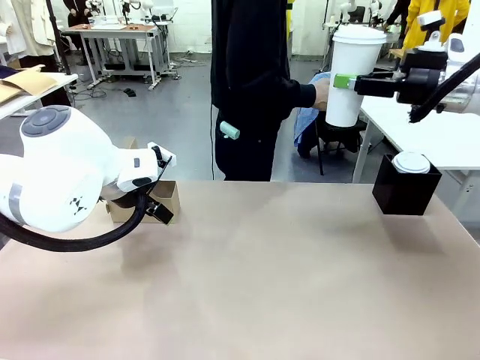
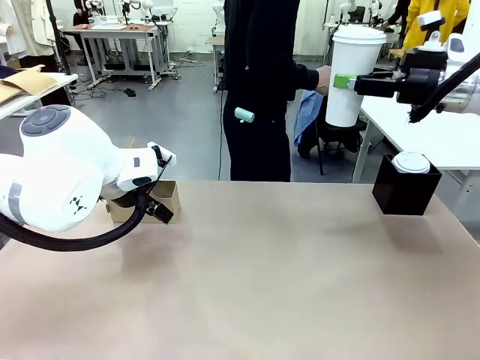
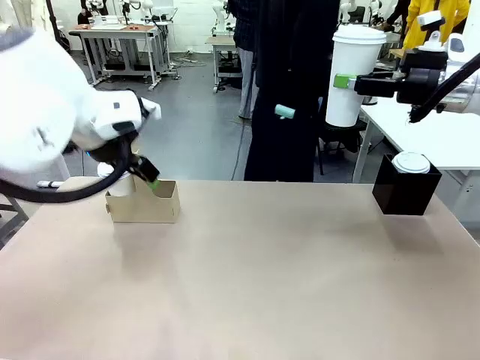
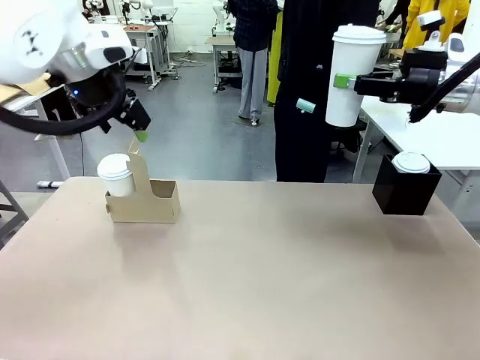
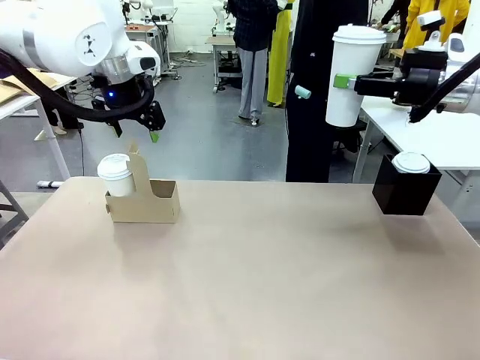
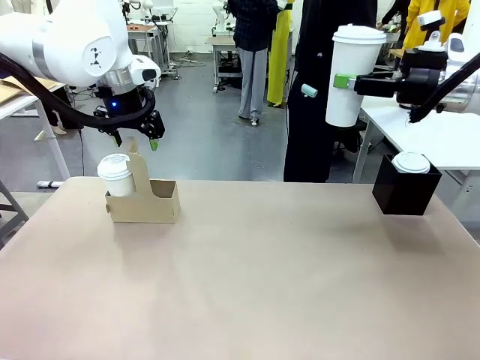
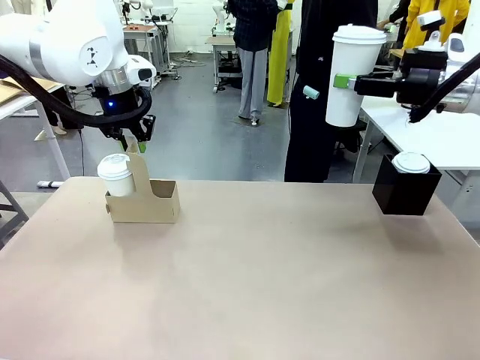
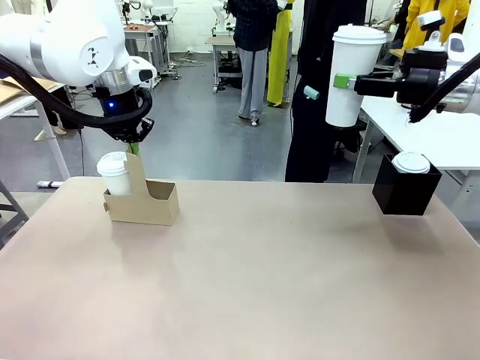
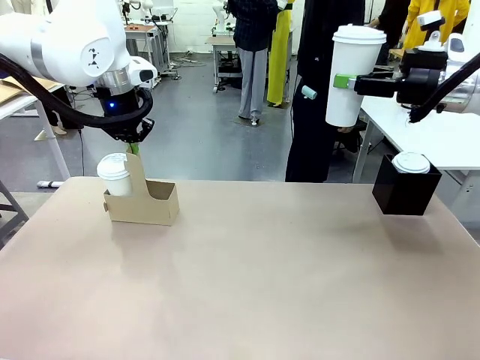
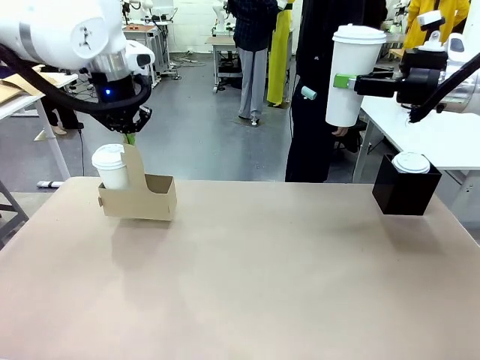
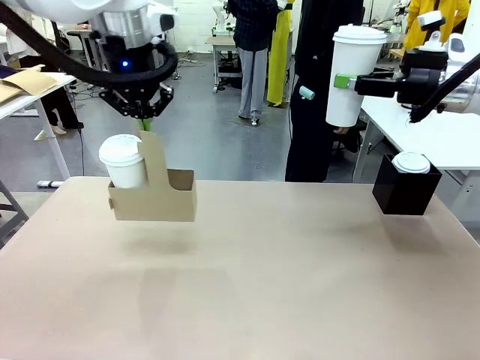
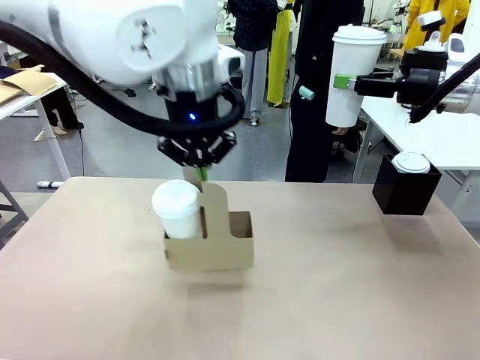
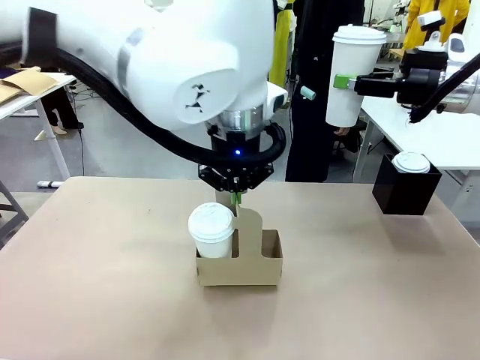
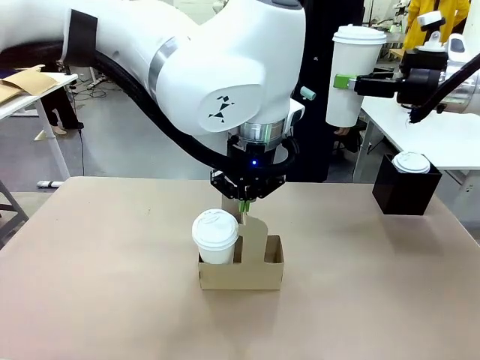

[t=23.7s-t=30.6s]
Task: Pour a drink into a cup and package it in a carrier.
Robot: Position the Cup Carrier in the center of the table.
Person: Pick up the Filter Brewing and place on the middle of Human table, and return to the Robot table.

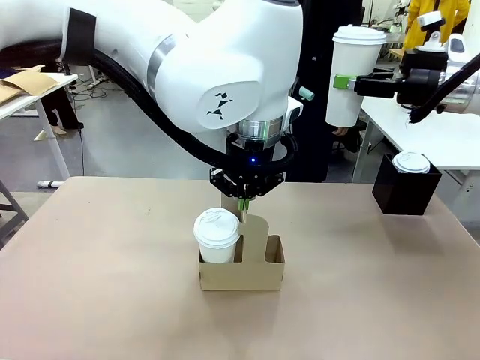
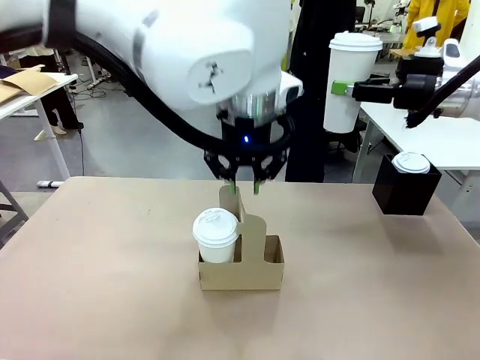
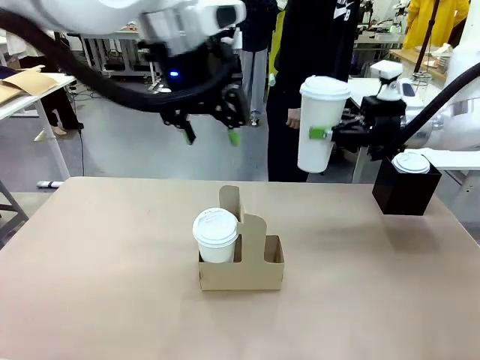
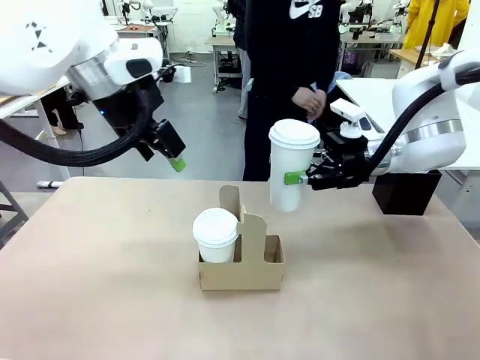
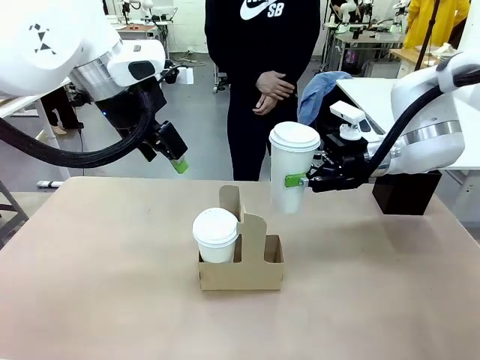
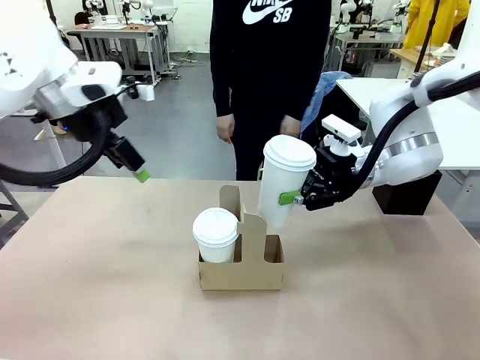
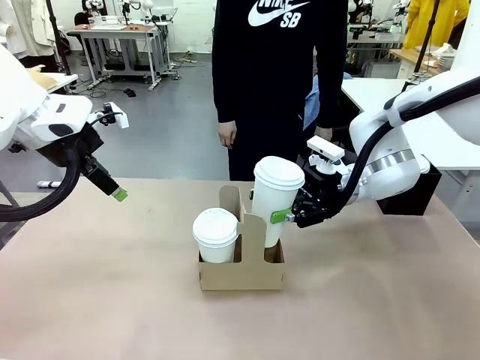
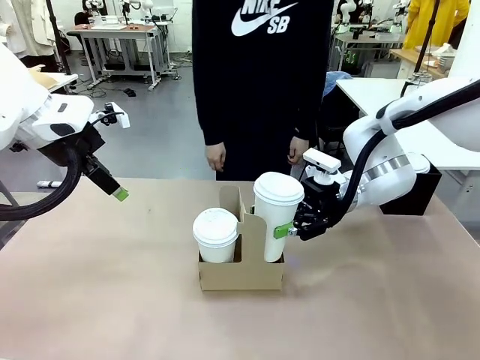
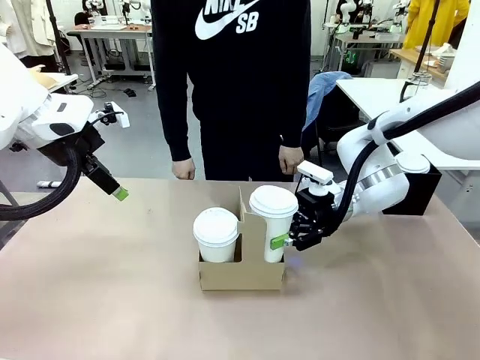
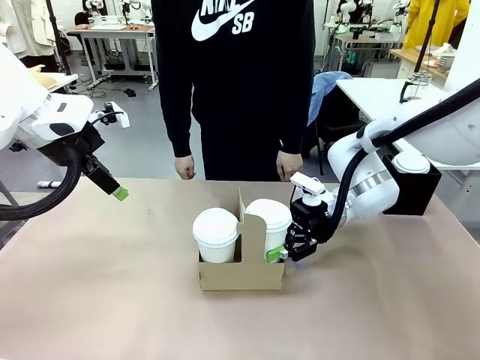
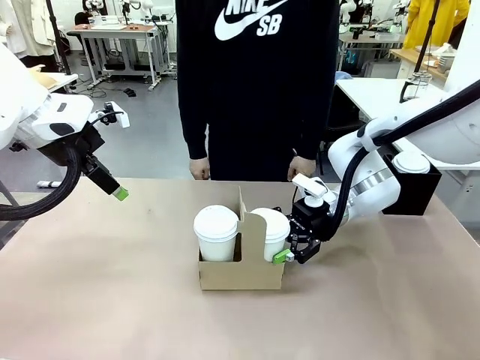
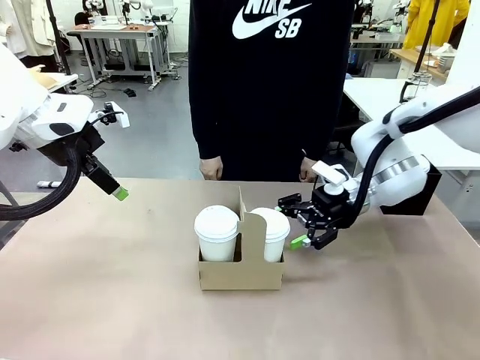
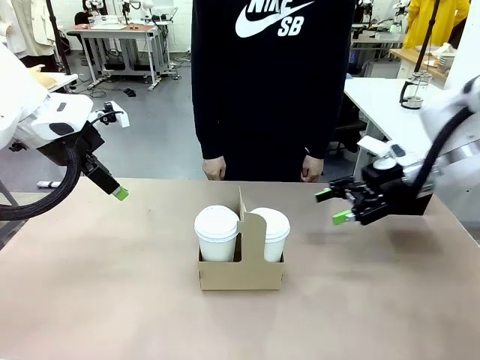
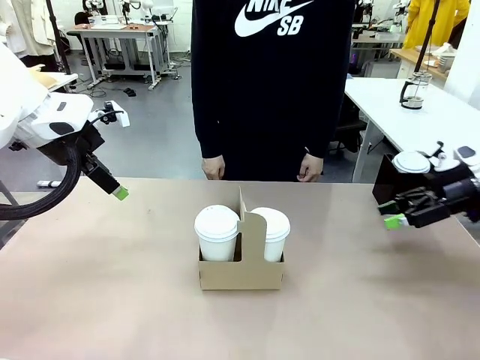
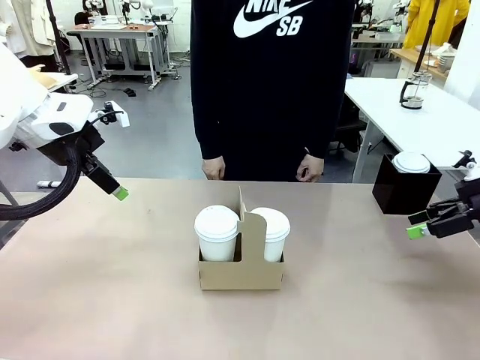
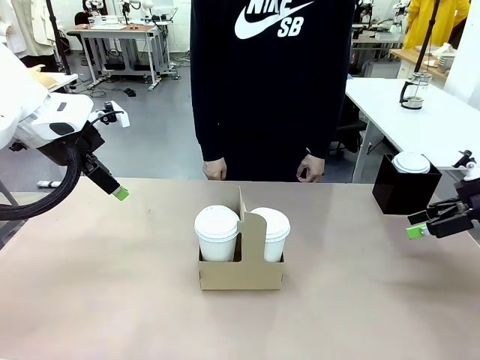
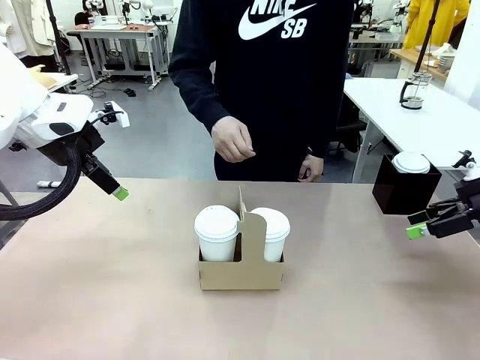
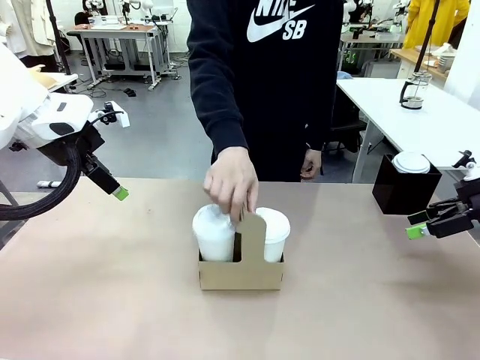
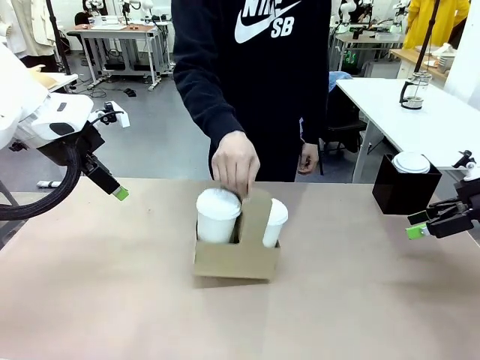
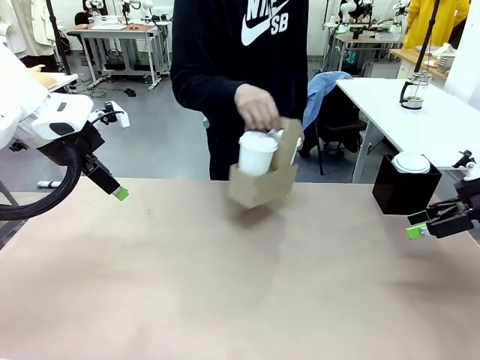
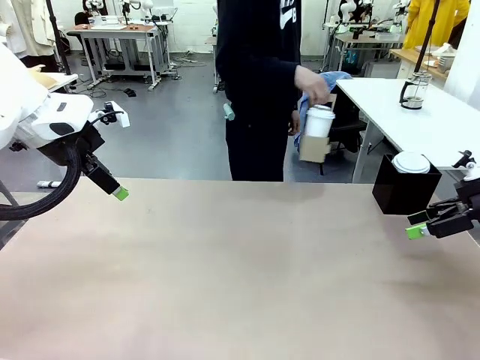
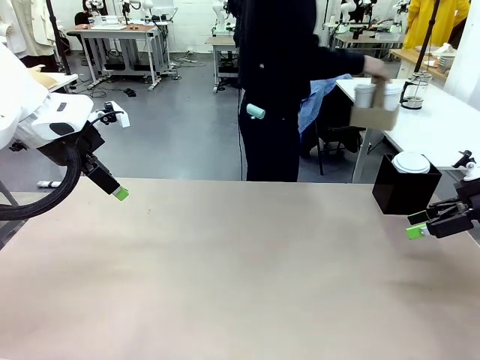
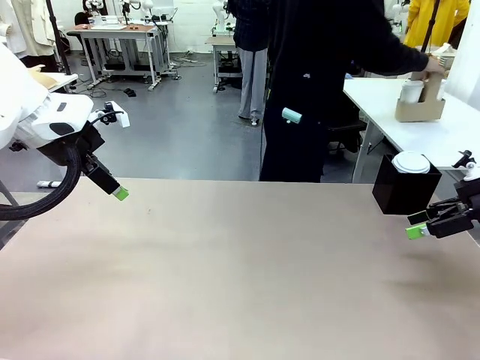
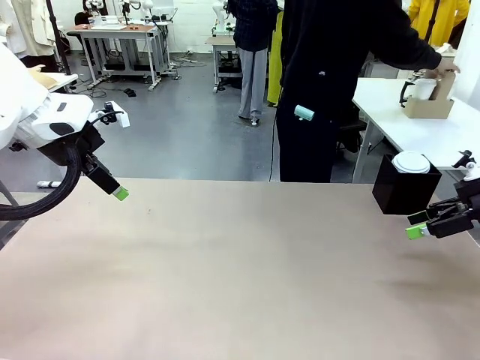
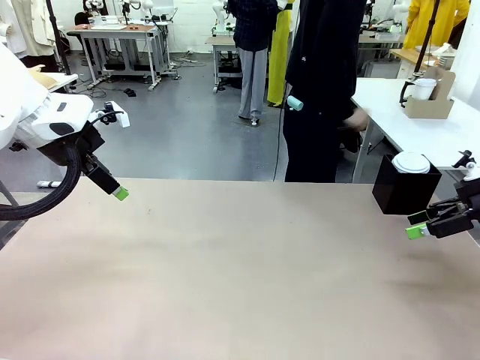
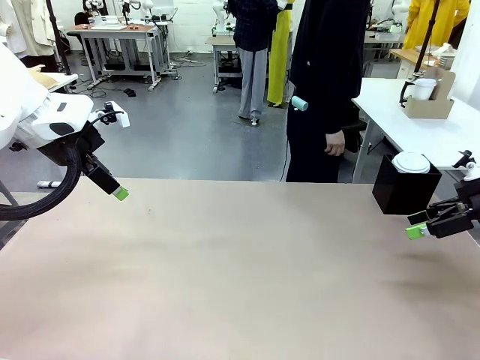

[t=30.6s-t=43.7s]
Robot: Insert the held 600 ml Paper Cup into the Cup Carrier.
Person: Place the Cup Carrier to the middle of Human table.

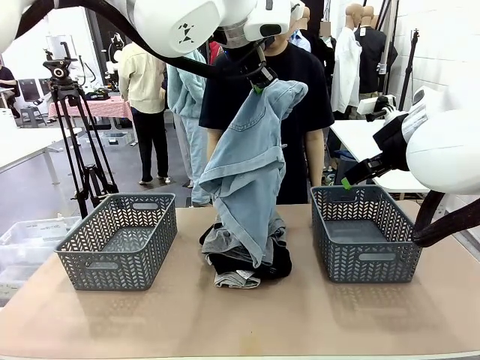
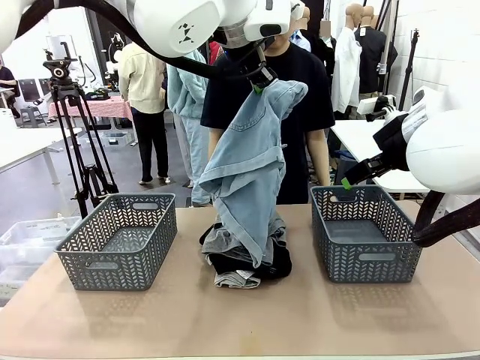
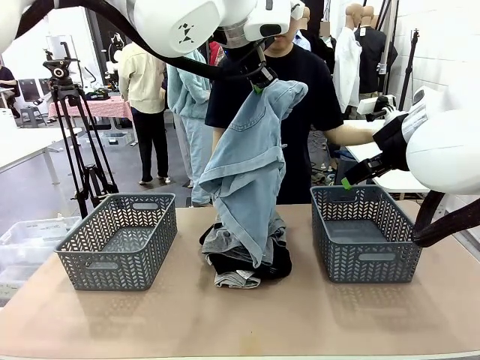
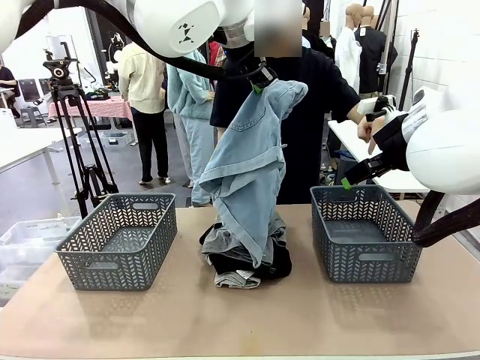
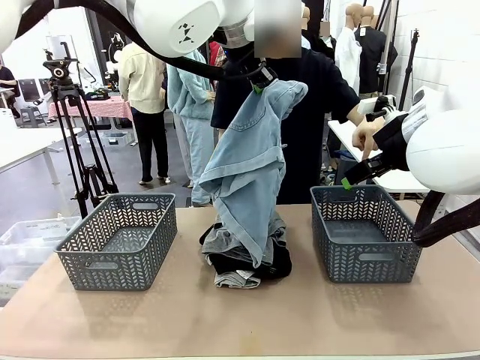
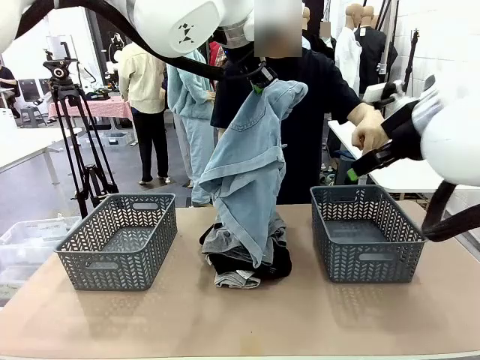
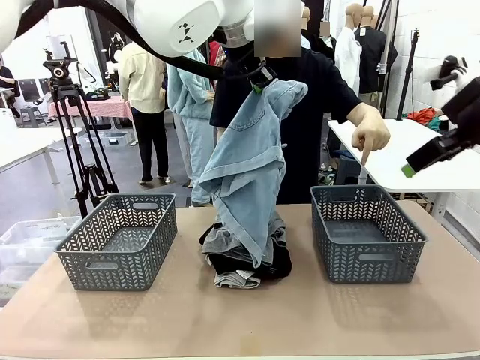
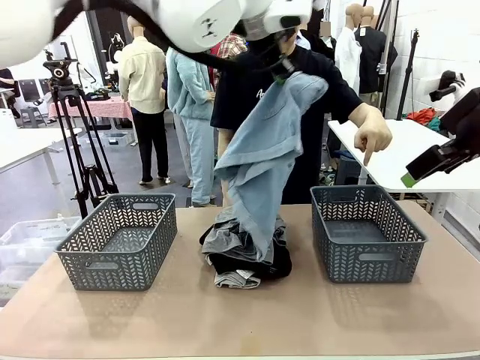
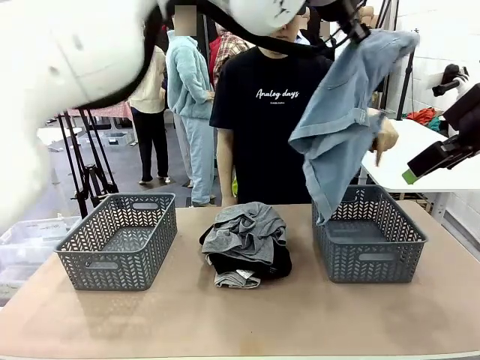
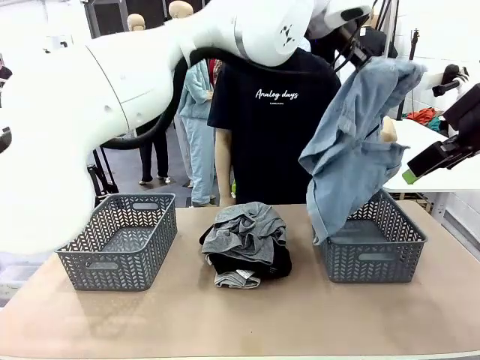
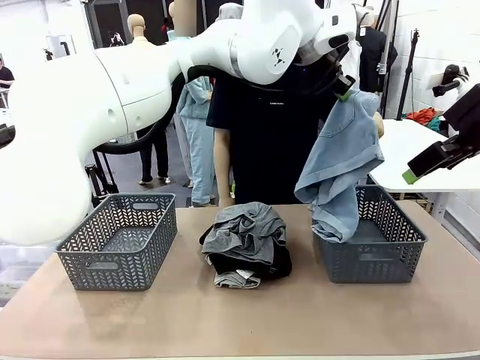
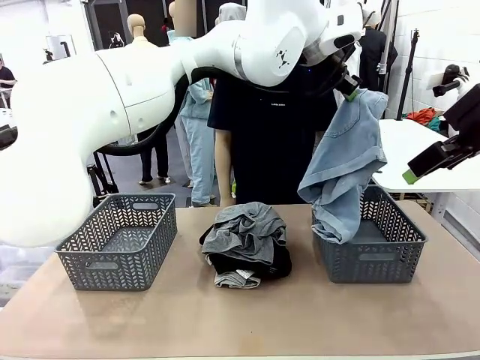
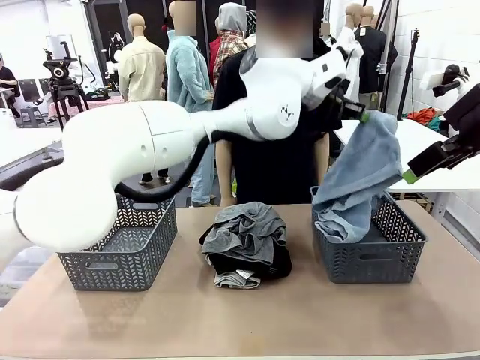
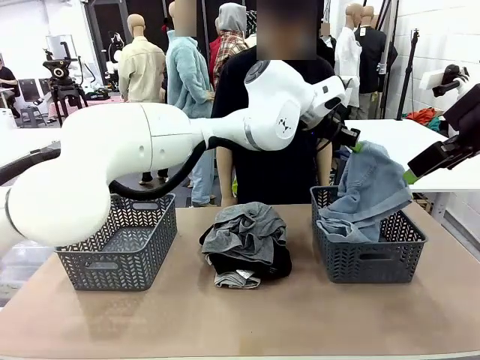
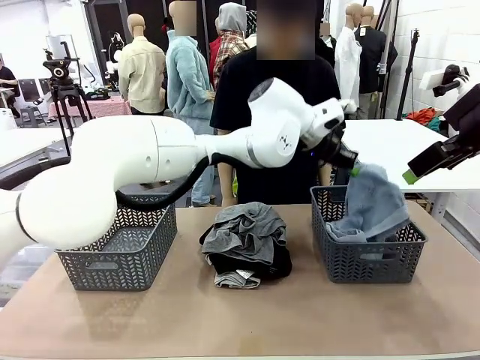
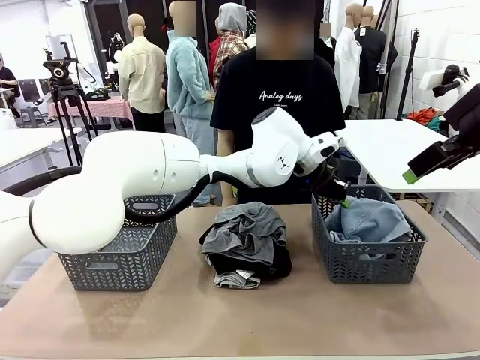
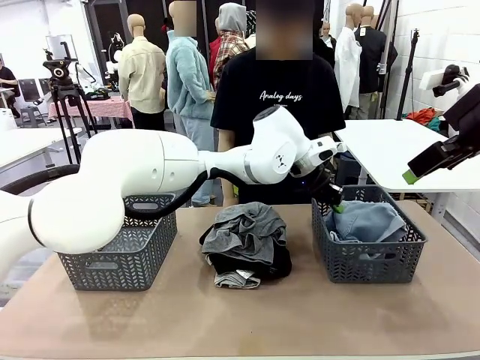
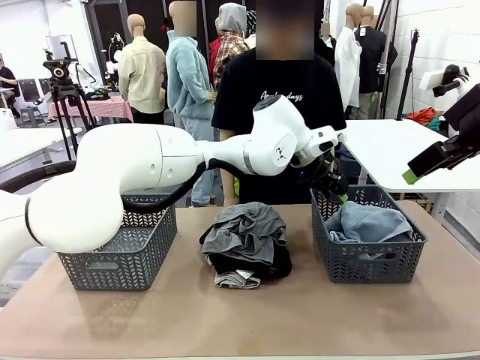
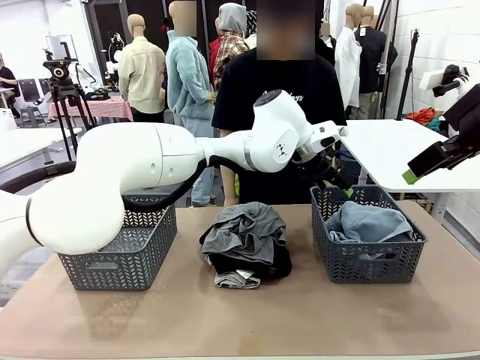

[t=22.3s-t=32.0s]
Task: Sort the tops and bottoms.
Robot: Sort the clothes according to human instructions.
